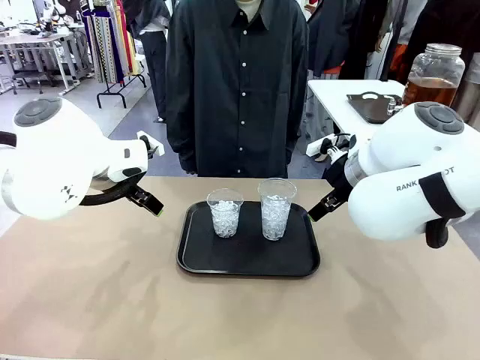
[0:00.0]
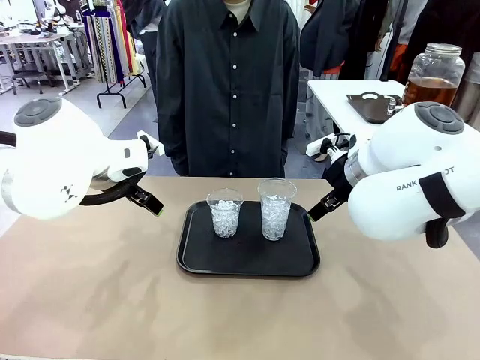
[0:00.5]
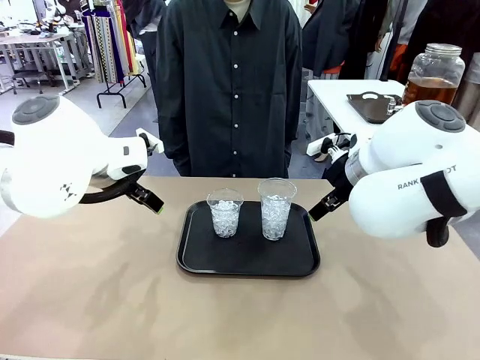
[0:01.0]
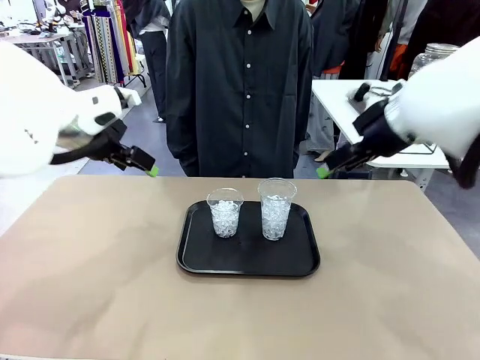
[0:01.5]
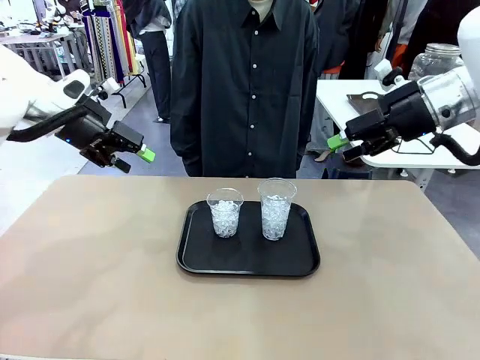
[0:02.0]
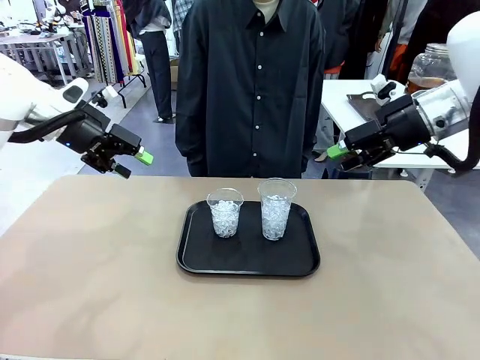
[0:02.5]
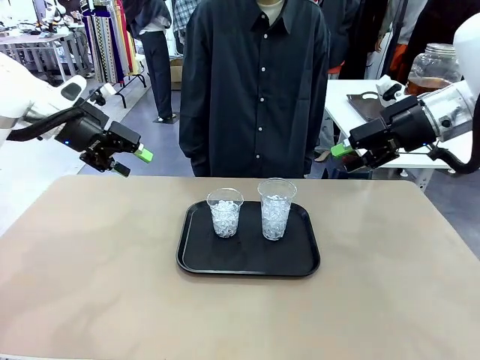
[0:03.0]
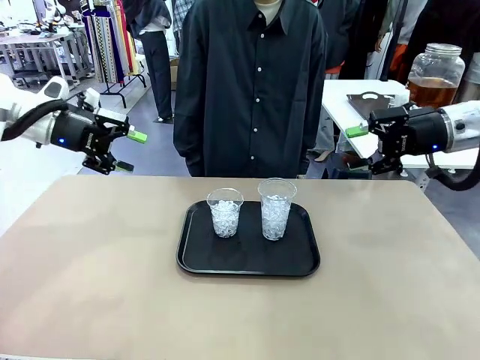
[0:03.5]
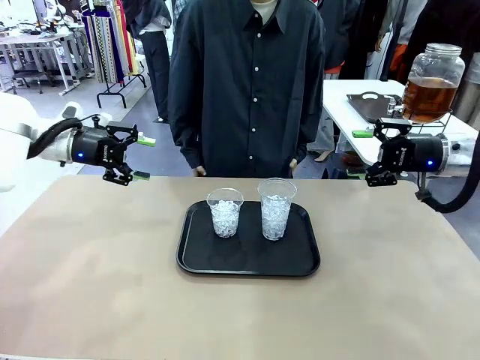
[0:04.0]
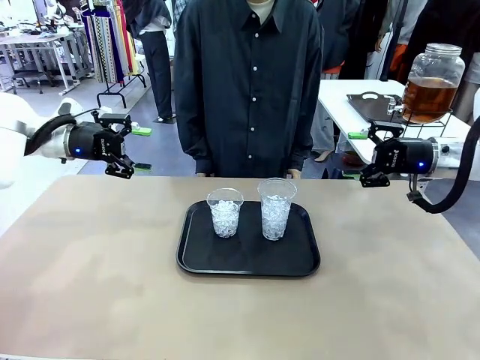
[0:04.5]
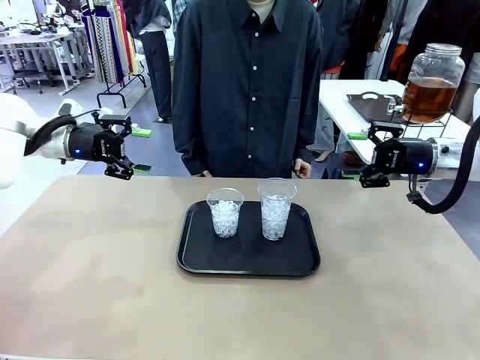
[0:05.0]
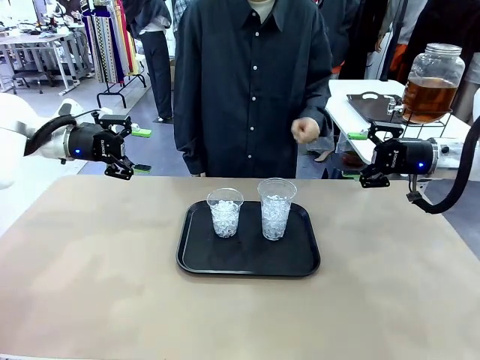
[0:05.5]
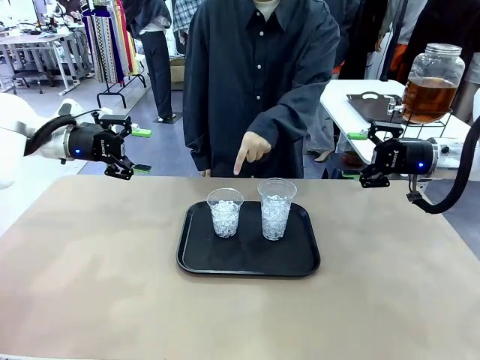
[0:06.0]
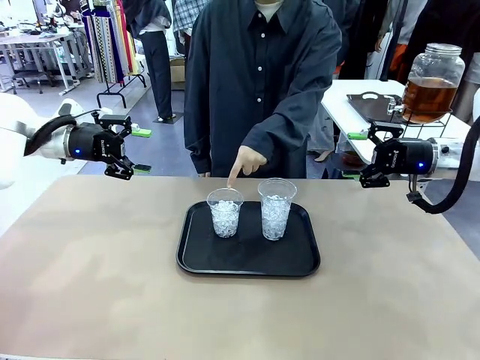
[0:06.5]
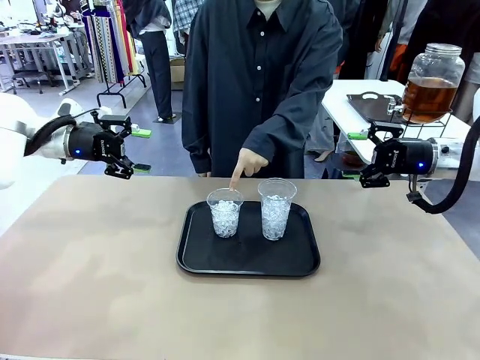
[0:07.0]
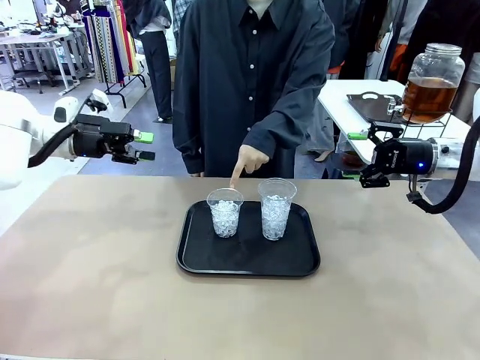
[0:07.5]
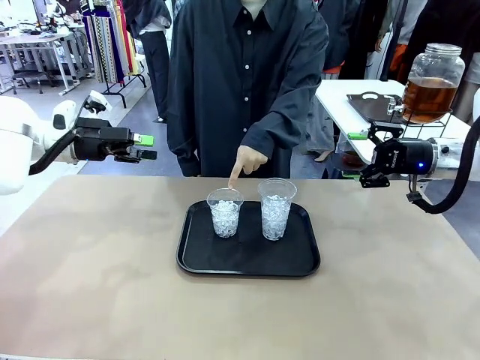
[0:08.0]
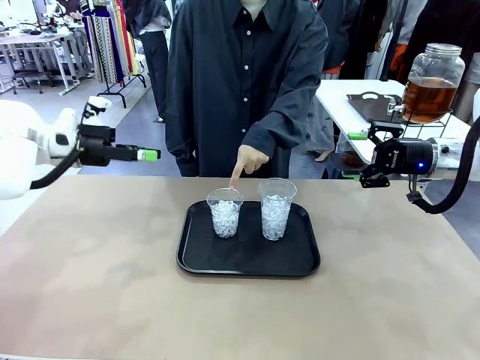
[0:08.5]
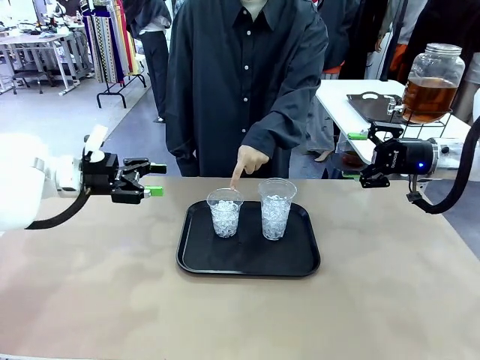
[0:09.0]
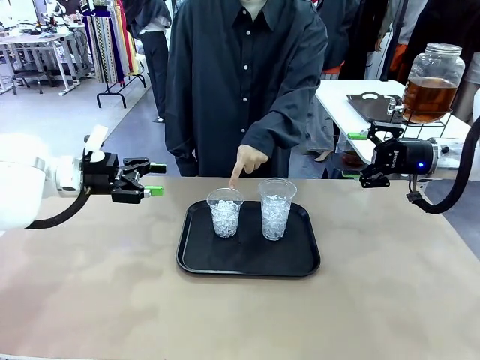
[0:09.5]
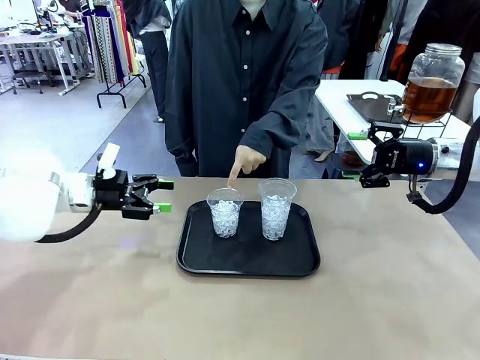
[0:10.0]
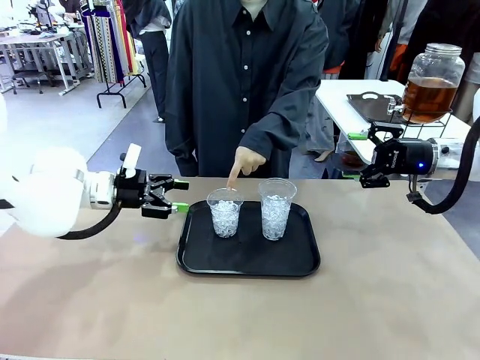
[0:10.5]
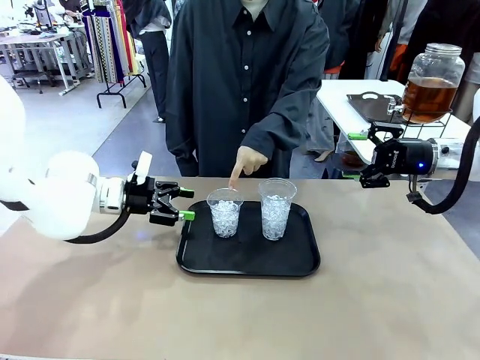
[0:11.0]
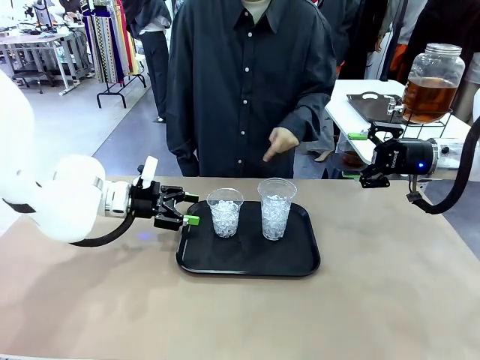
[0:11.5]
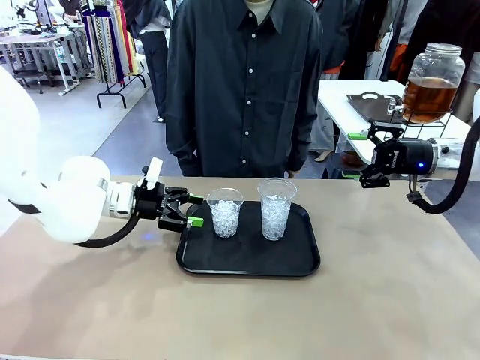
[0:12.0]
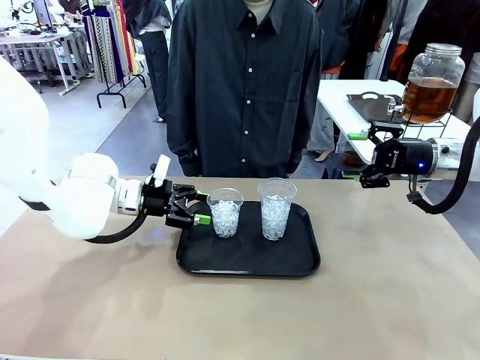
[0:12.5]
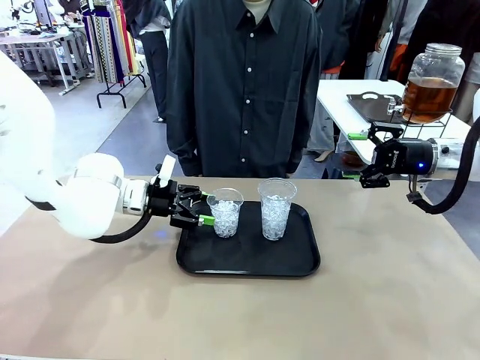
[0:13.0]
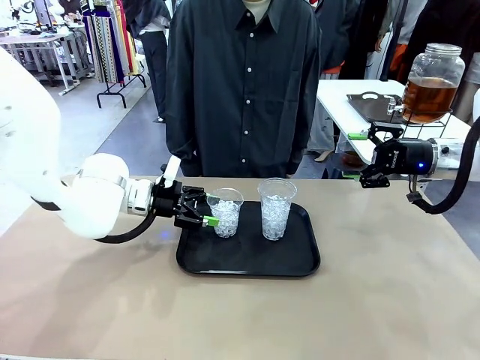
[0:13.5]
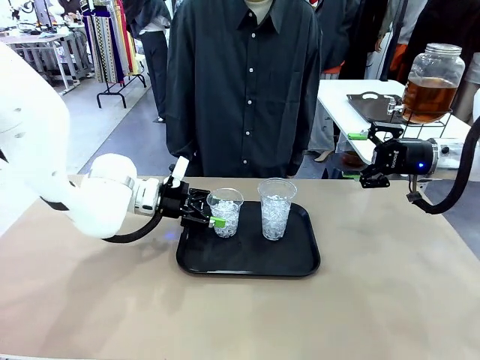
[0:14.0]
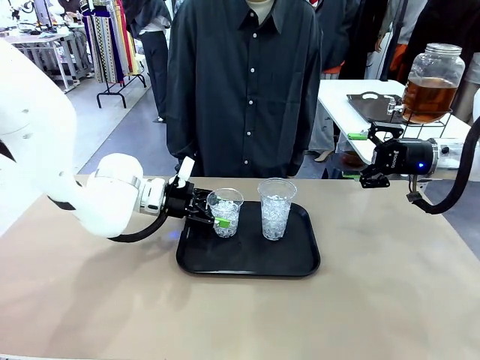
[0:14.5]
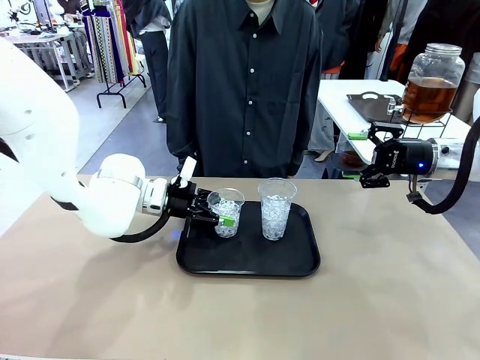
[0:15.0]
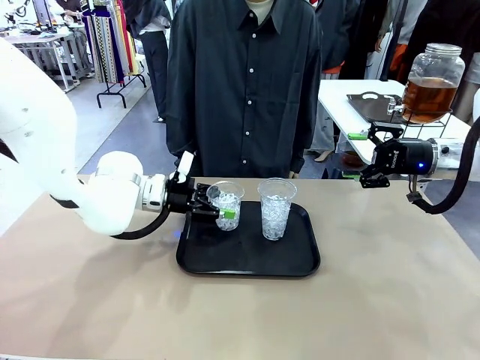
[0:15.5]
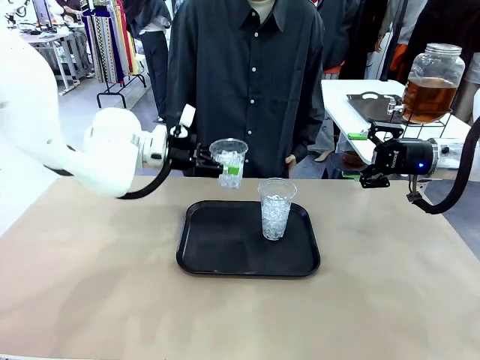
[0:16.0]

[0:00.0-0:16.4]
Task: Pour the drink into the iced cup.
Robot: Pick up the iced cup indicated by the human and present it to them.
Person: Point to one of the two ice cups. Pick up the cup offered by the robot.

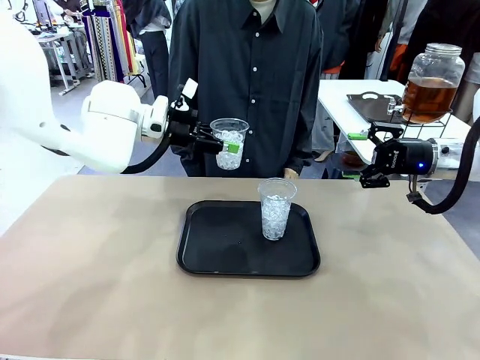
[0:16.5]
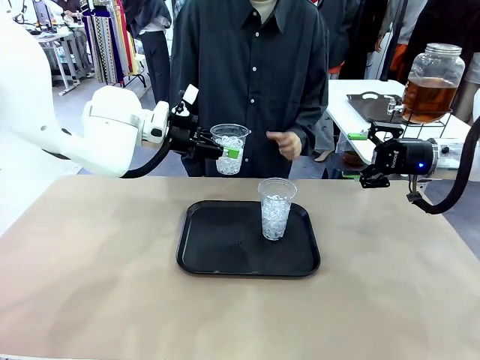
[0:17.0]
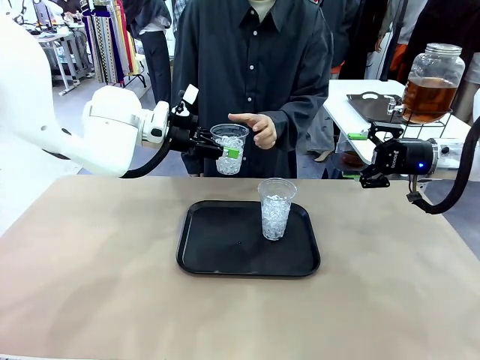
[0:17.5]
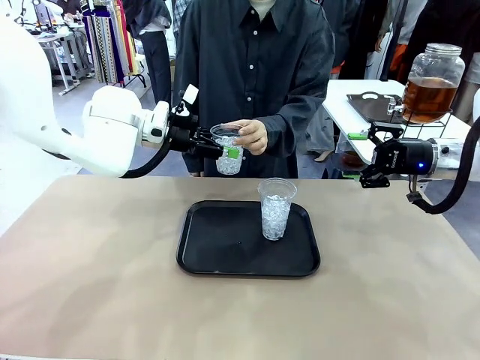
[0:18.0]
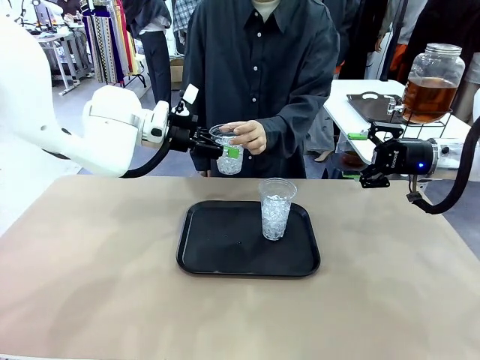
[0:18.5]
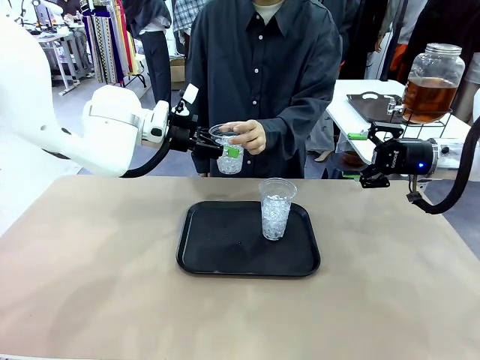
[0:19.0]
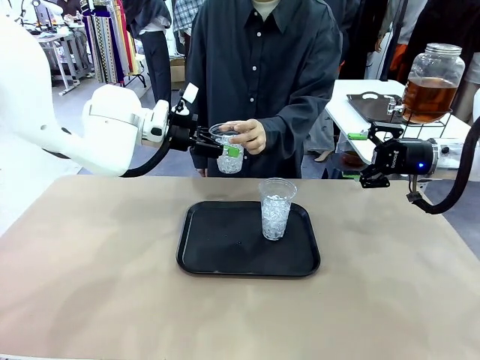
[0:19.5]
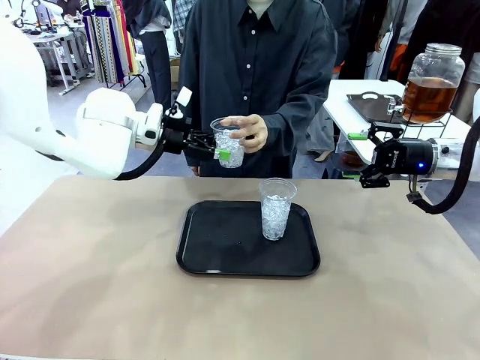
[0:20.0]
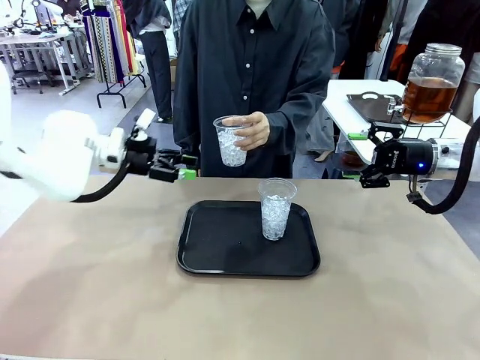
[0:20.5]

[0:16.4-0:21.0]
Robot: Open the gripper to release the iced cup you were holding.
